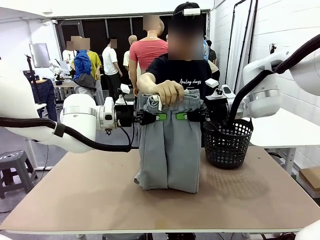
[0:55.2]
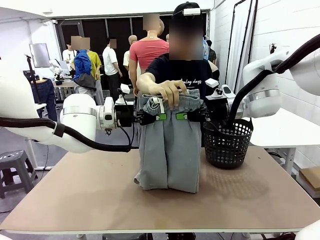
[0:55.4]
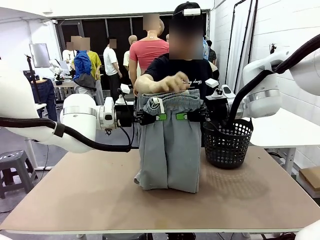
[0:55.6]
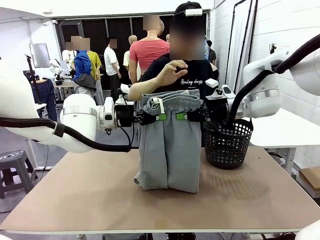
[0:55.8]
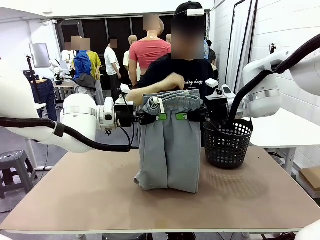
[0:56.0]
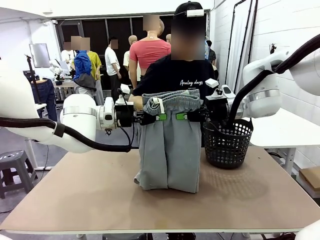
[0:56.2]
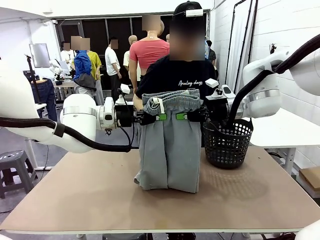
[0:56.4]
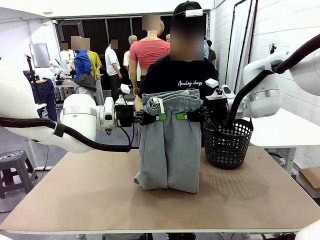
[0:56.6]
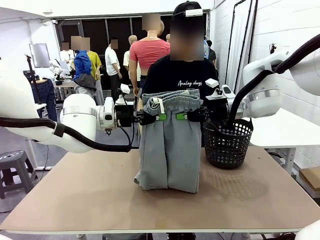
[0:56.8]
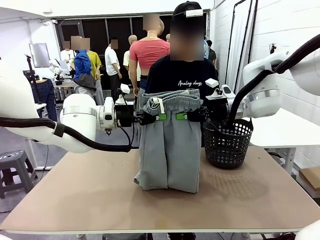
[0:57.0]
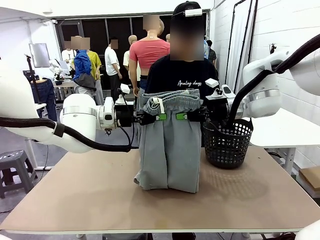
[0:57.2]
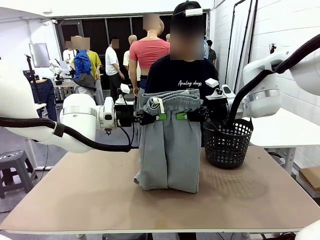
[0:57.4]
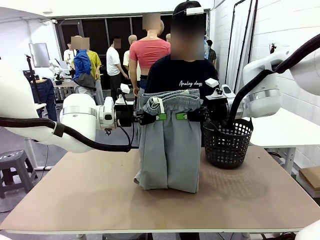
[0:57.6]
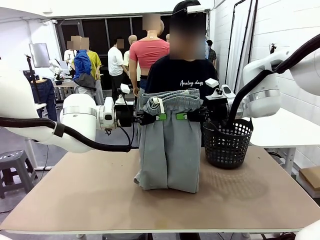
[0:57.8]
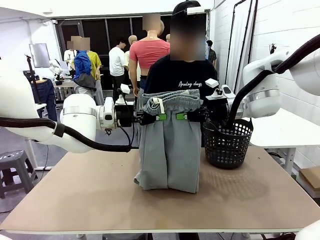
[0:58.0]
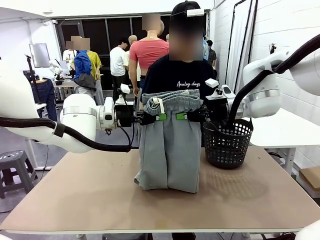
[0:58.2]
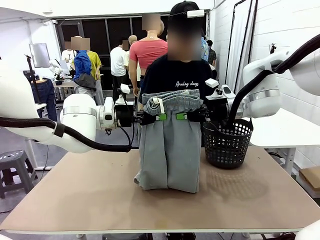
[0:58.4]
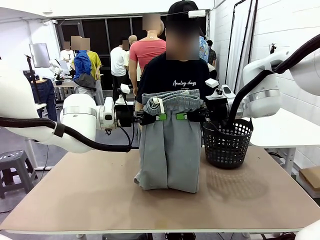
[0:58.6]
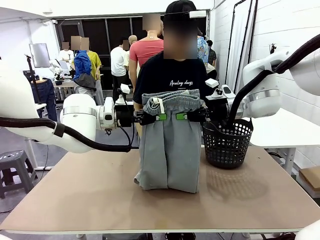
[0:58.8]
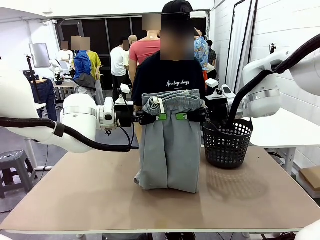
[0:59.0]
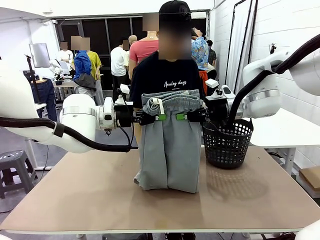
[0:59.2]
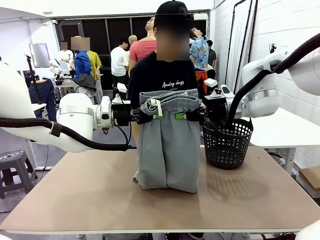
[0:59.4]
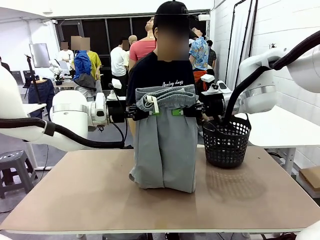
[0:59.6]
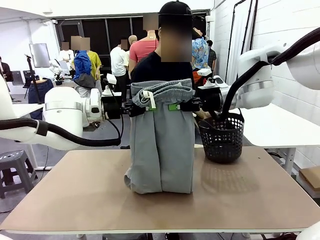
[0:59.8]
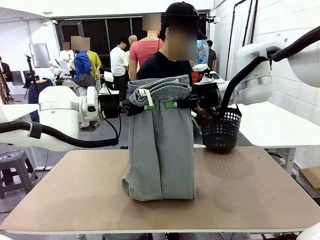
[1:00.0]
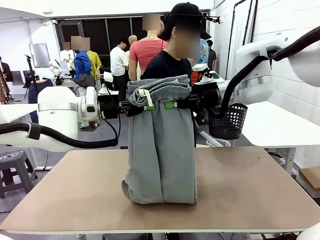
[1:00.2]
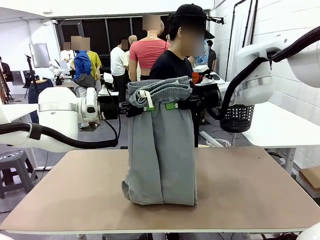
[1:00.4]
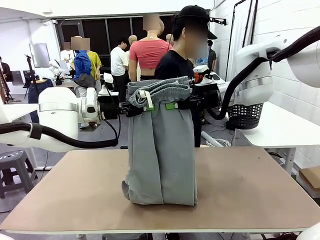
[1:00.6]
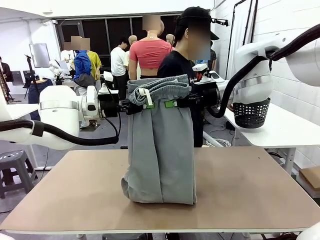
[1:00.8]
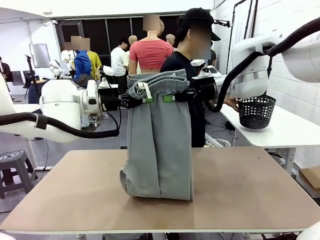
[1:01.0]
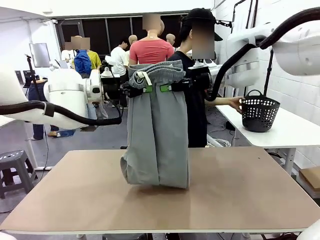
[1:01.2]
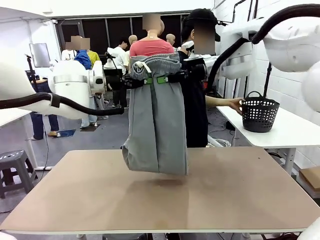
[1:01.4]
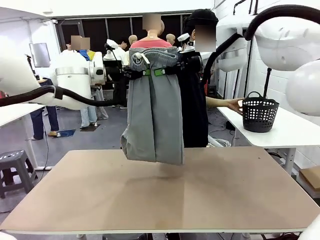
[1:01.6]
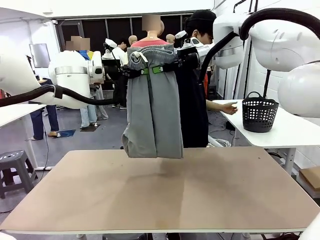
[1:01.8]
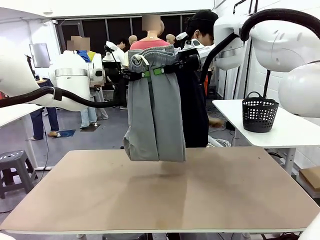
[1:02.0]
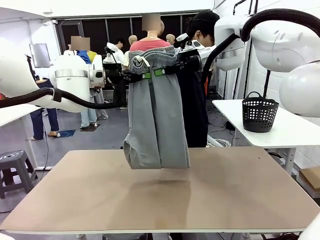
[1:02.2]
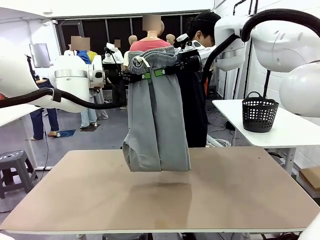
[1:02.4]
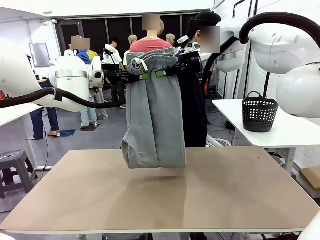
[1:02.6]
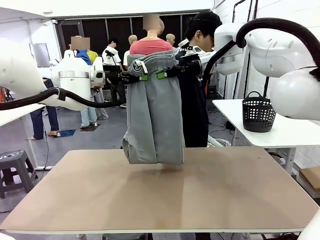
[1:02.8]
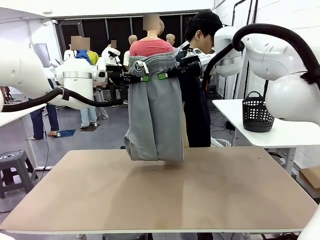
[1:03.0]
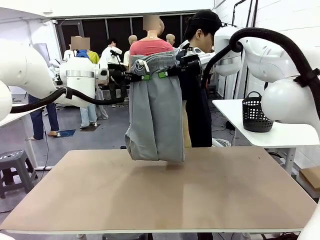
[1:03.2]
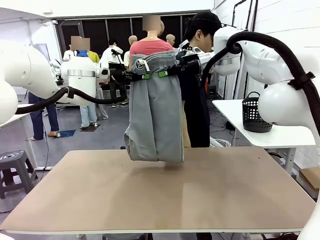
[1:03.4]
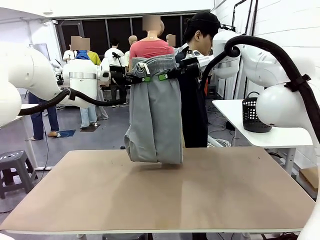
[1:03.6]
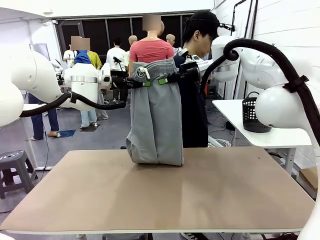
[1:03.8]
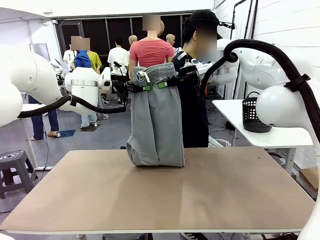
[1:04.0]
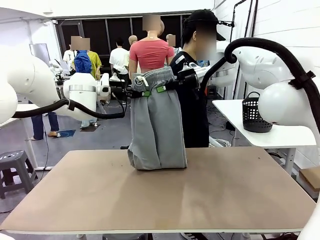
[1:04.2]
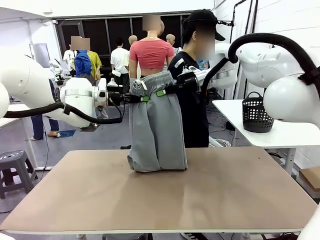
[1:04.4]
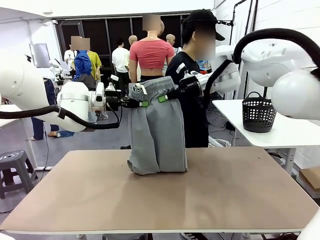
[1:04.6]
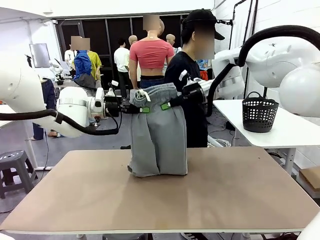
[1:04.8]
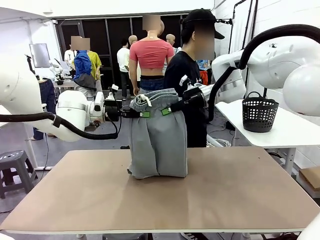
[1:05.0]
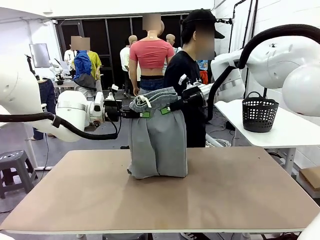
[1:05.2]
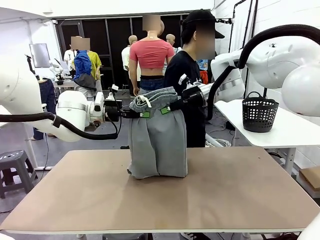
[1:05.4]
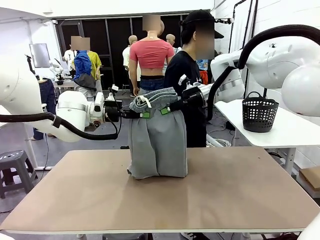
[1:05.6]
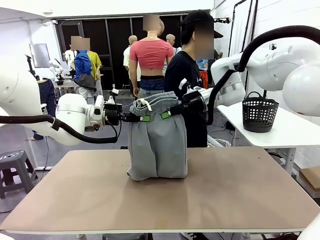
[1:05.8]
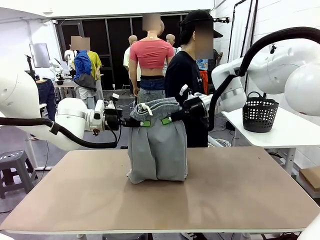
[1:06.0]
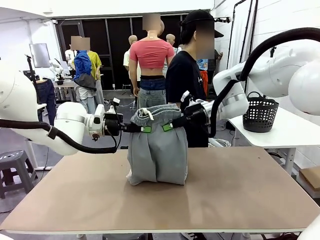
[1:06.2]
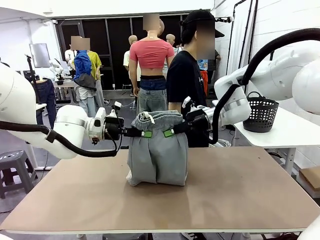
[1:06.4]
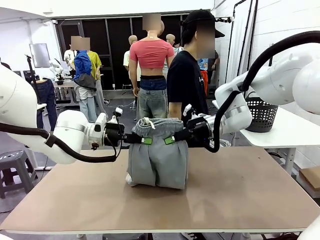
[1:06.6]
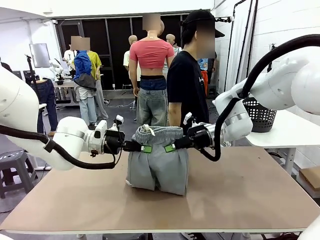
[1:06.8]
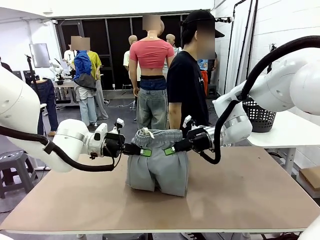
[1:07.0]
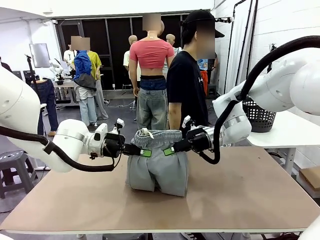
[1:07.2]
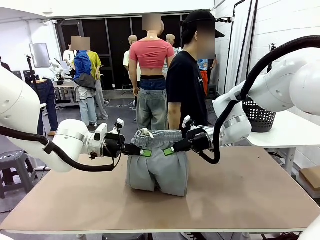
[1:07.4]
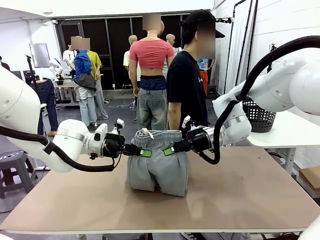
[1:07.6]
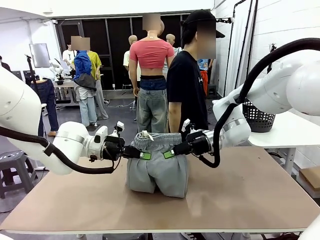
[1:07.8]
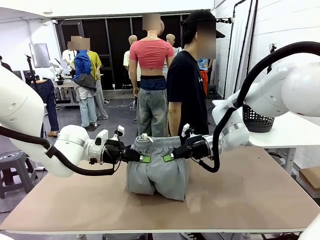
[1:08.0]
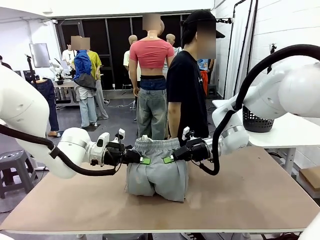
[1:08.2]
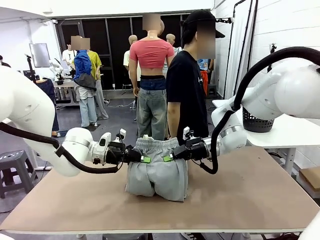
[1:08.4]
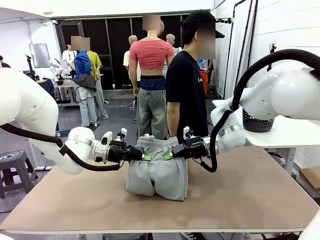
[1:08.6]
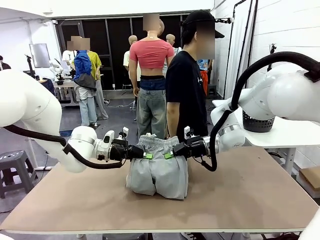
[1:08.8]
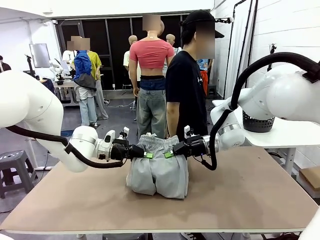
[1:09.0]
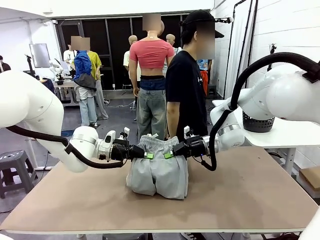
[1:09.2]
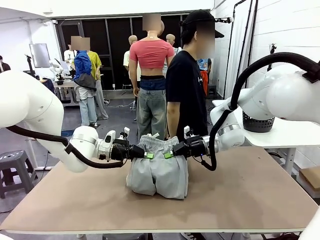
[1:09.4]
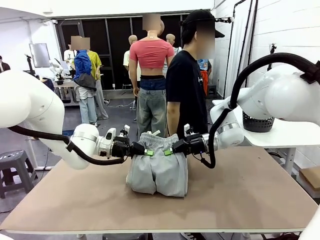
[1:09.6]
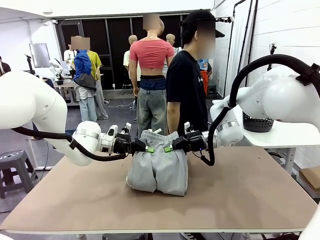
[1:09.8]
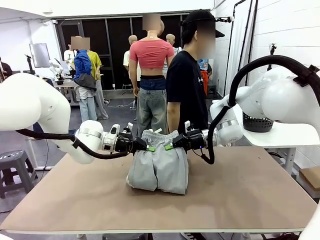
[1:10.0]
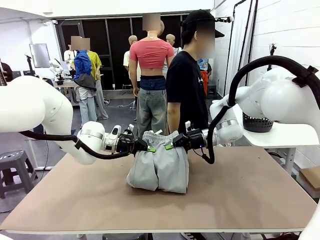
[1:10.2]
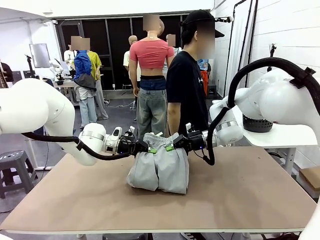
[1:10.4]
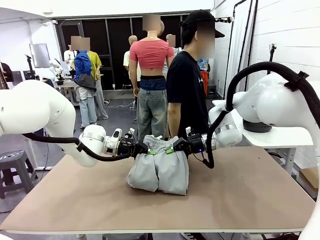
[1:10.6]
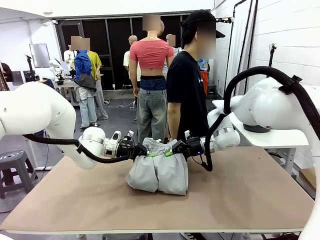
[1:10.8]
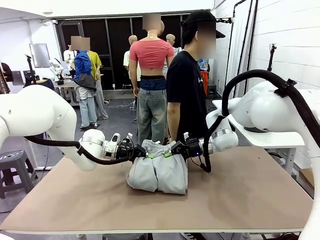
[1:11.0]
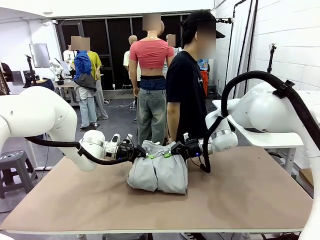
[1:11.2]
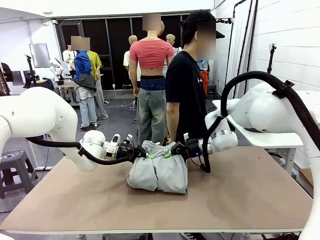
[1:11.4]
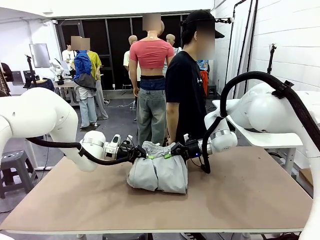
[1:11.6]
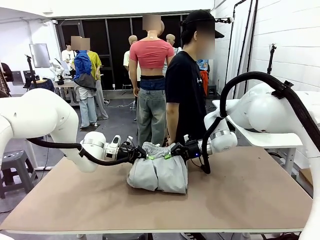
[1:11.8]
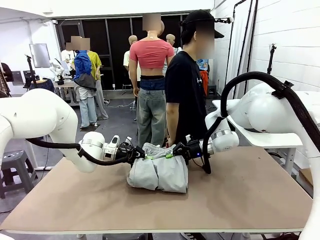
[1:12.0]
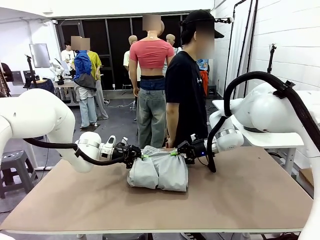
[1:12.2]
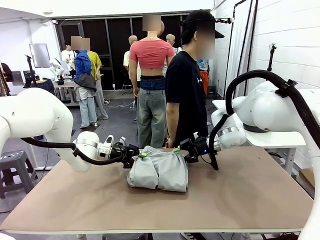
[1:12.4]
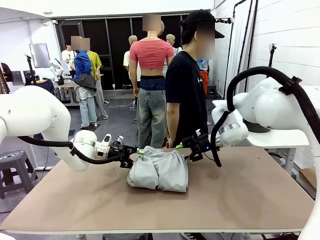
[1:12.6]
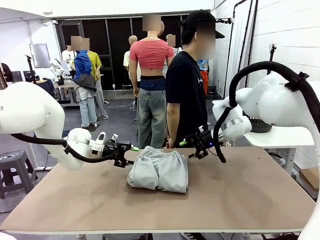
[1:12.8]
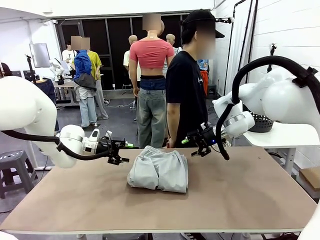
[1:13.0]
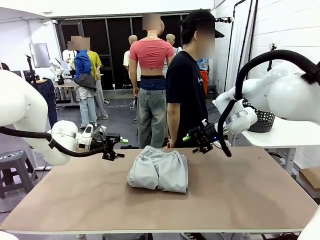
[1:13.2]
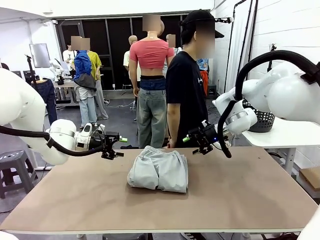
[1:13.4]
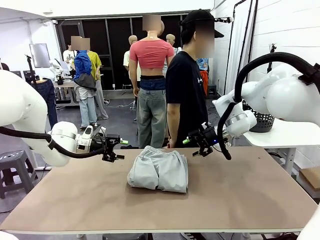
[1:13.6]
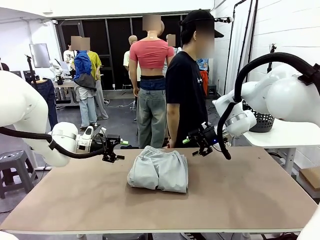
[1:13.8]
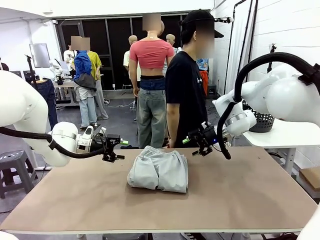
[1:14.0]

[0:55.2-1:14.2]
Task: Fold the training pants.
Robot: Fold the Training pants in half.
Person: Move the laundry basket to the right of the human table.
